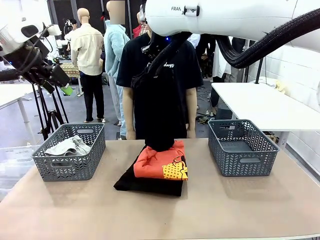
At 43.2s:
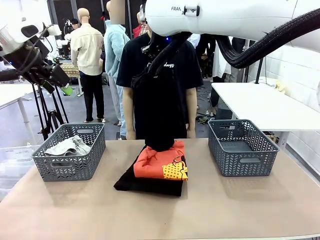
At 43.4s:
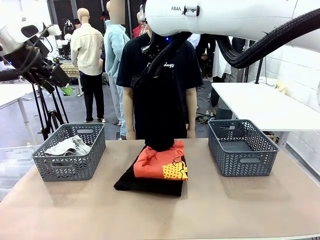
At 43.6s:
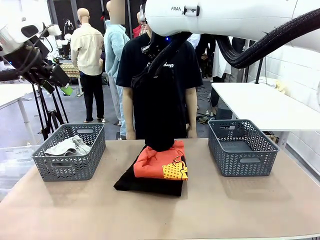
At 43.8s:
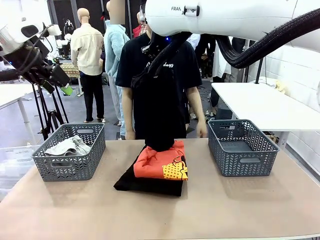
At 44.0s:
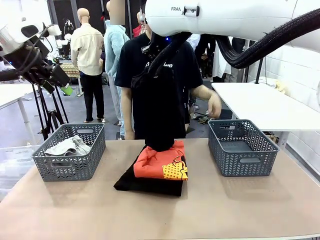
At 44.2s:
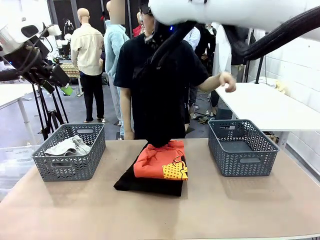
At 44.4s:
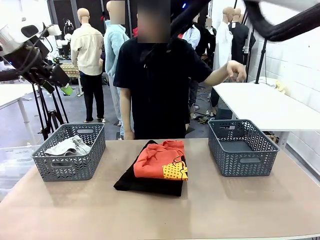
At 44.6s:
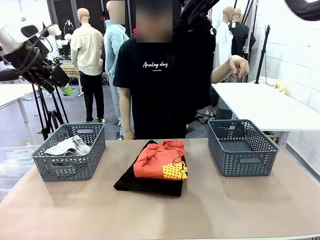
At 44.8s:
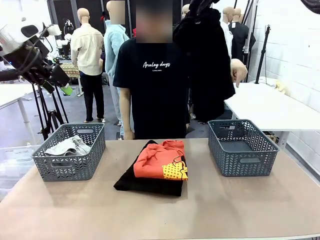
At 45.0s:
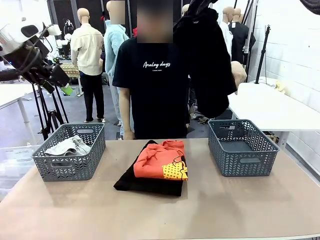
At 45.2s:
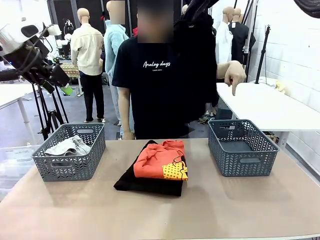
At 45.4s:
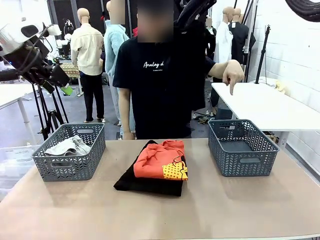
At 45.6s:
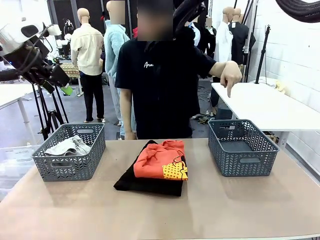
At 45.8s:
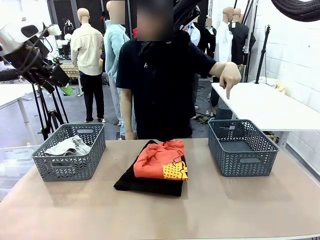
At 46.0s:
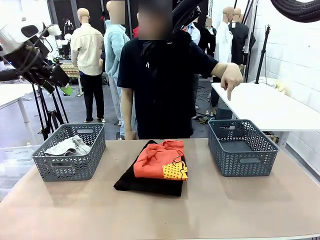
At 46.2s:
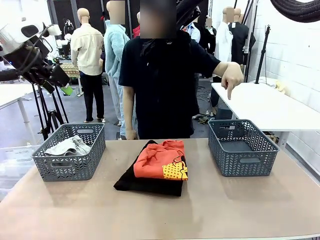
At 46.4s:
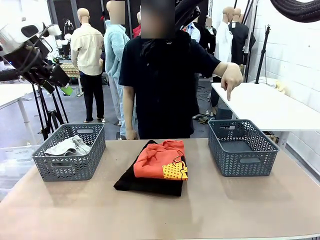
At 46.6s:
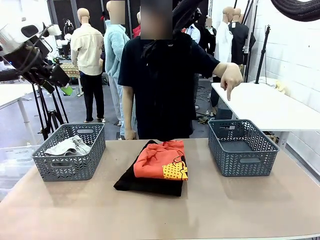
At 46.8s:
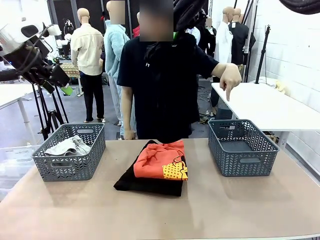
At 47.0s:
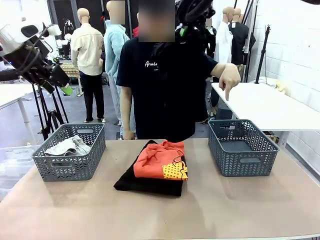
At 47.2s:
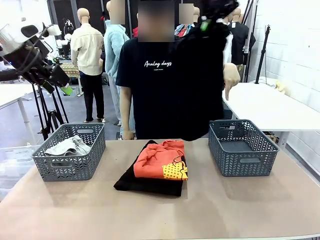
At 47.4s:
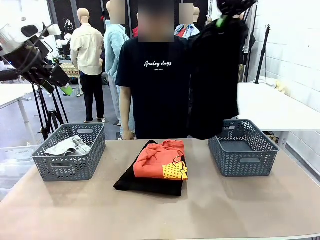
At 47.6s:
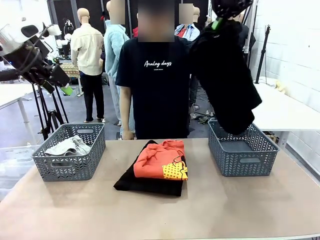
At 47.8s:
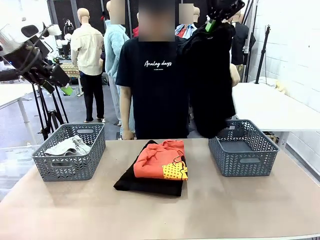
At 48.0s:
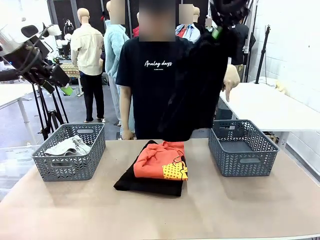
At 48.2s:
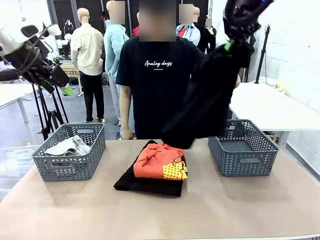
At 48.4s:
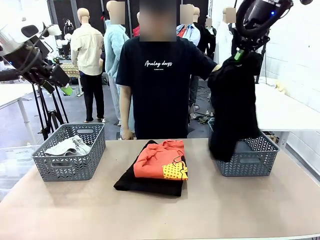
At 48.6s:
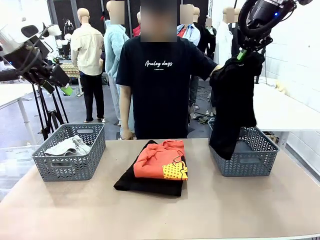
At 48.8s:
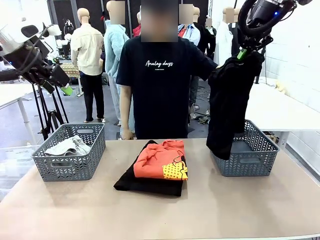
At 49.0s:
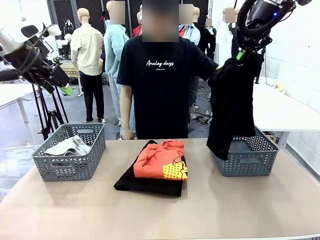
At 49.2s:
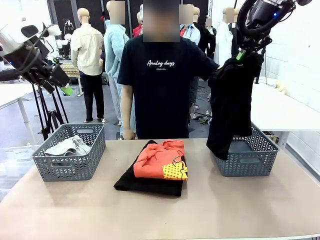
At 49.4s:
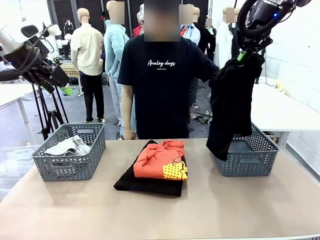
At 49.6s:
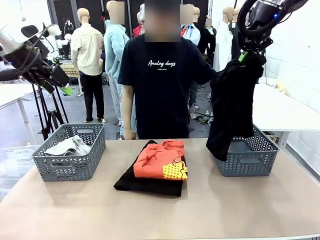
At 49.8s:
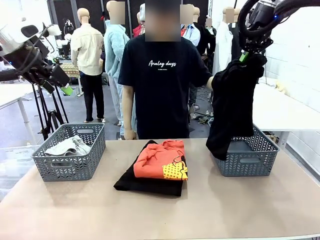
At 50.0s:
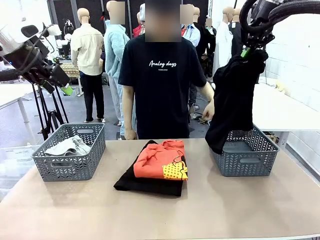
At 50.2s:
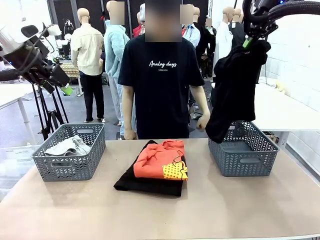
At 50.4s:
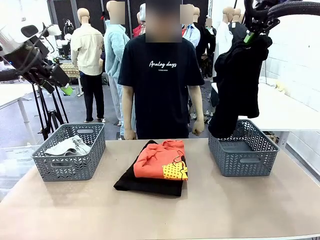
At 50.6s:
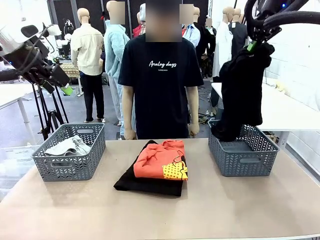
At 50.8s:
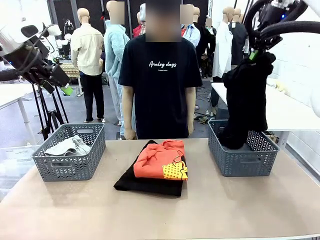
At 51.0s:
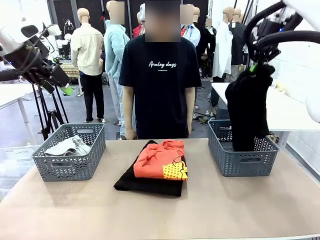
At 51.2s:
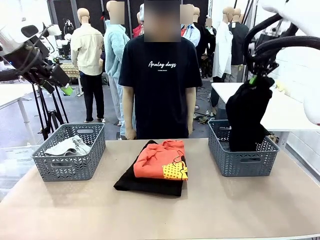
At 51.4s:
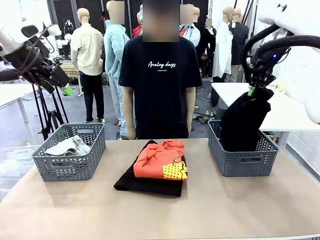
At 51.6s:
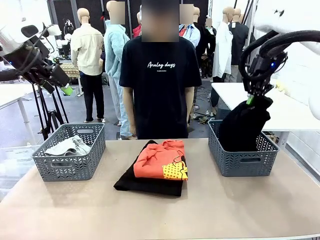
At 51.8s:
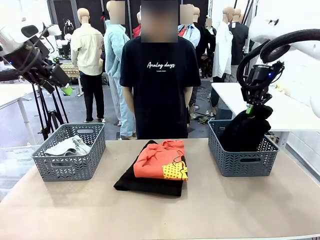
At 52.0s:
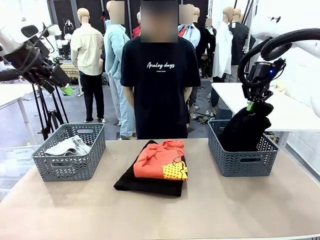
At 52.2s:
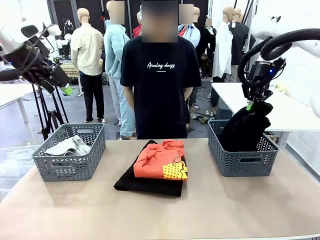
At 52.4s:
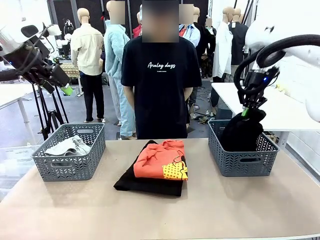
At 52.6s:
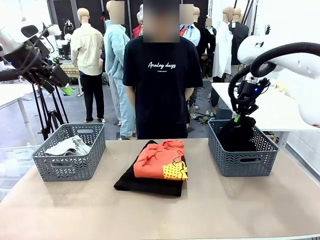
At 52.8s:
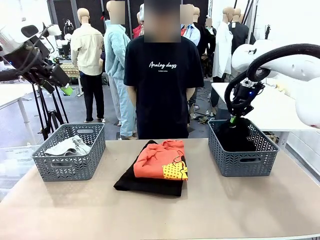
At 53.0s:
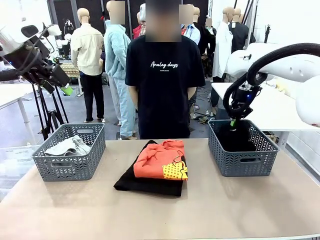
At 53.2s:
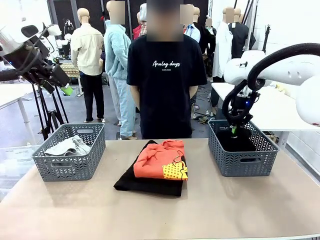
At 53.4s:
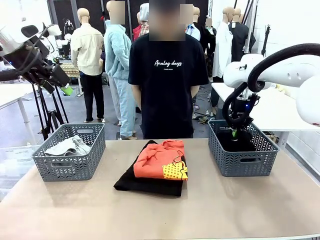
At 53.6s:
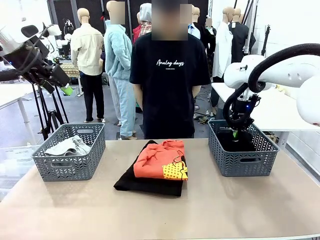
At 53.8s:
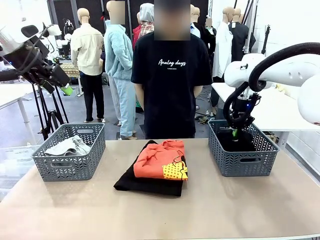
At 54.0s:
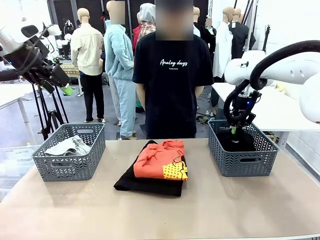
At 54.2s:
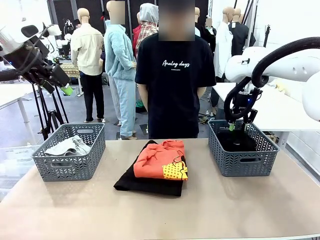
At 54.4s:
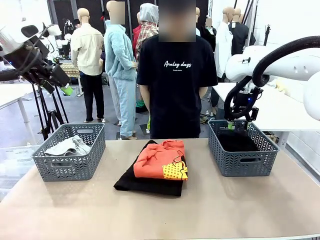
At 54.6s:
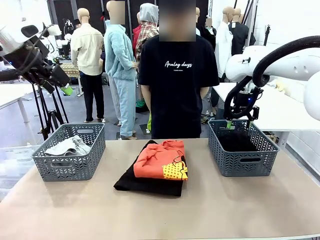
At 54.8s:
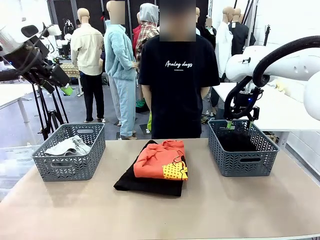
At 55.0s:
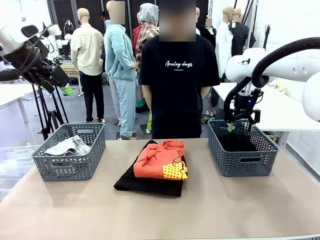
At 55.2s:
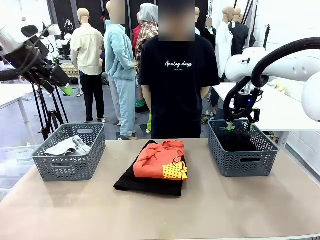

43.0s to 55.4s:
Task: Sort the tops and bottoms.
Robot: Sort the clothes according to human instructions.

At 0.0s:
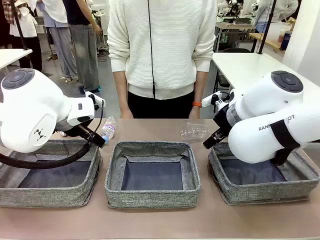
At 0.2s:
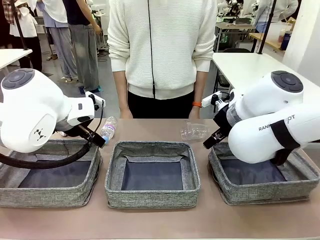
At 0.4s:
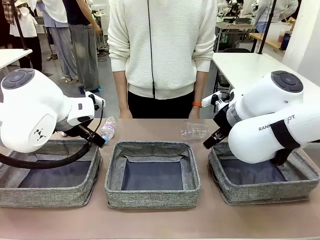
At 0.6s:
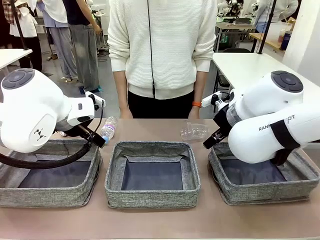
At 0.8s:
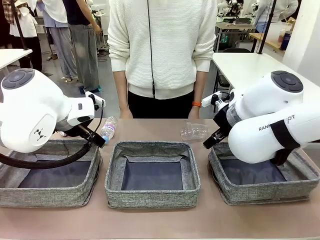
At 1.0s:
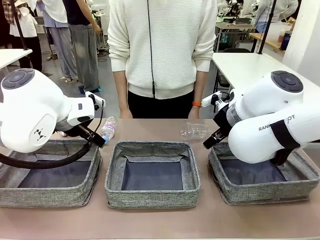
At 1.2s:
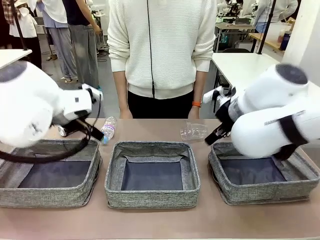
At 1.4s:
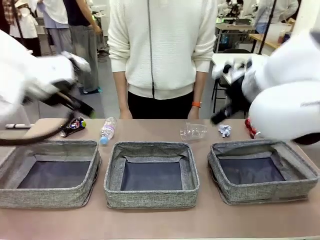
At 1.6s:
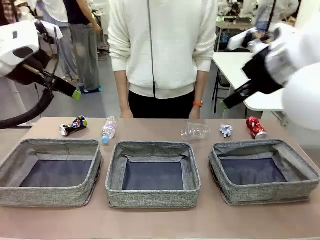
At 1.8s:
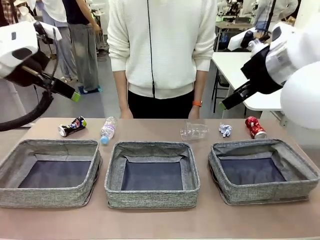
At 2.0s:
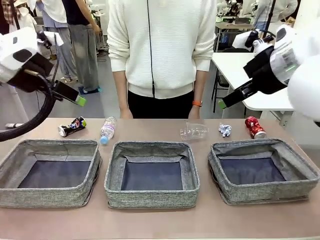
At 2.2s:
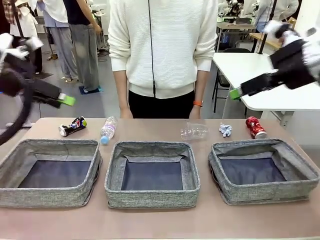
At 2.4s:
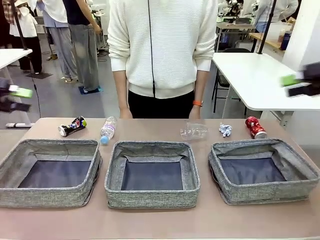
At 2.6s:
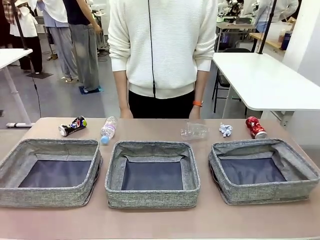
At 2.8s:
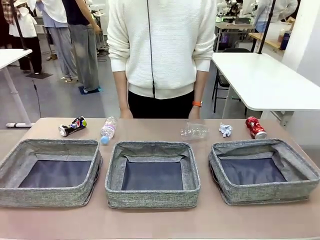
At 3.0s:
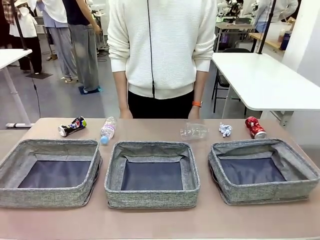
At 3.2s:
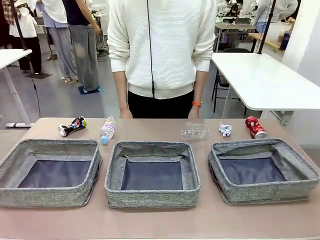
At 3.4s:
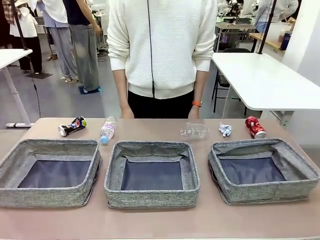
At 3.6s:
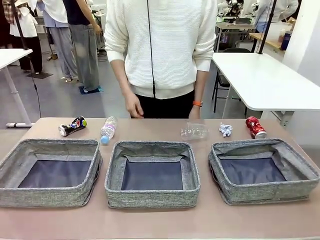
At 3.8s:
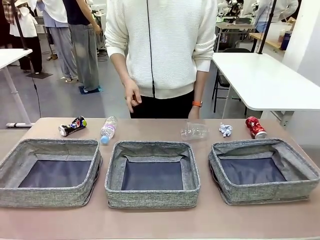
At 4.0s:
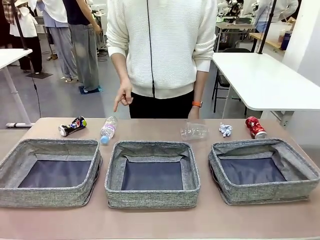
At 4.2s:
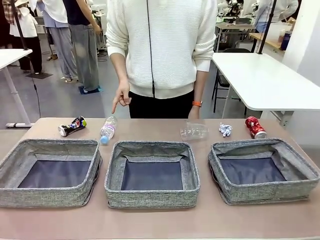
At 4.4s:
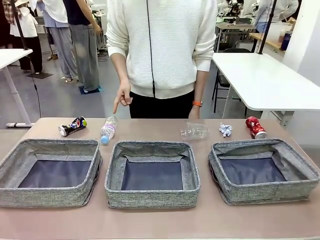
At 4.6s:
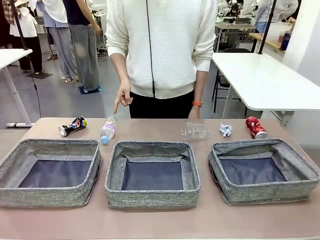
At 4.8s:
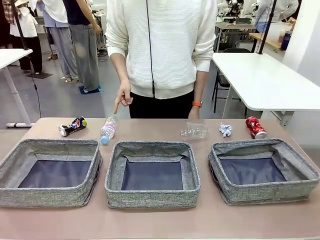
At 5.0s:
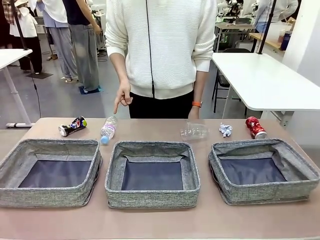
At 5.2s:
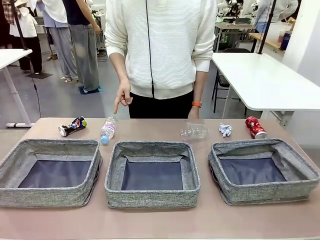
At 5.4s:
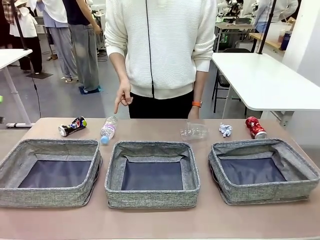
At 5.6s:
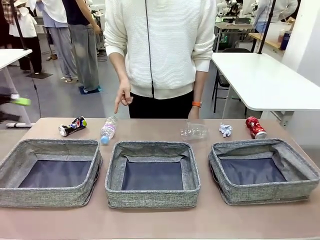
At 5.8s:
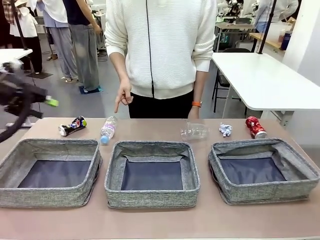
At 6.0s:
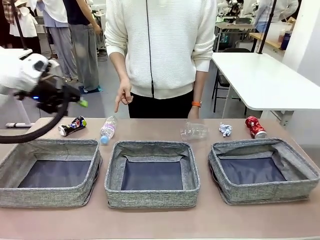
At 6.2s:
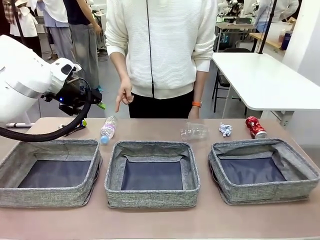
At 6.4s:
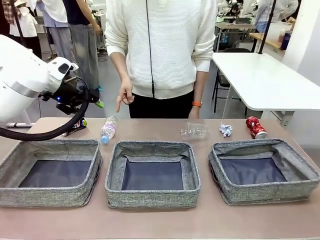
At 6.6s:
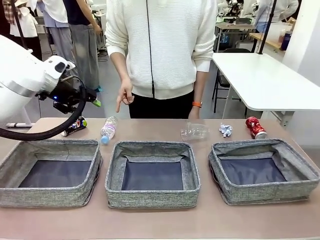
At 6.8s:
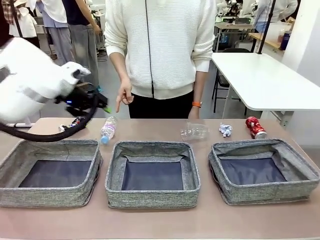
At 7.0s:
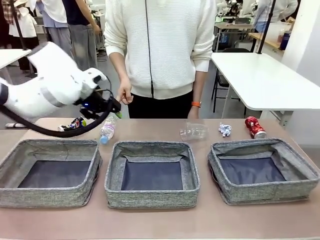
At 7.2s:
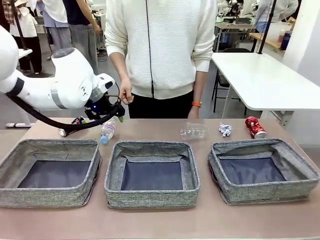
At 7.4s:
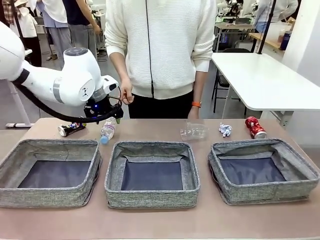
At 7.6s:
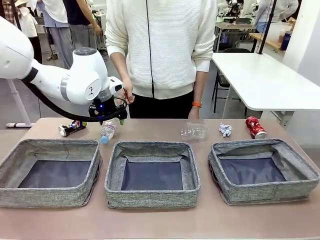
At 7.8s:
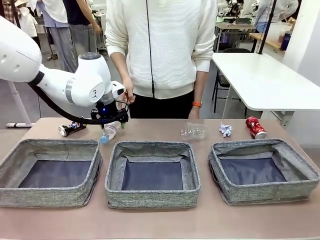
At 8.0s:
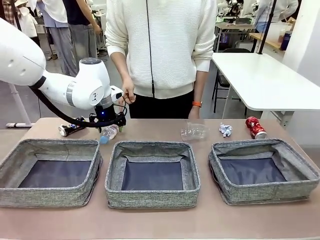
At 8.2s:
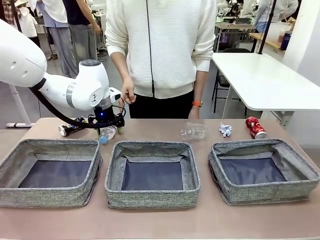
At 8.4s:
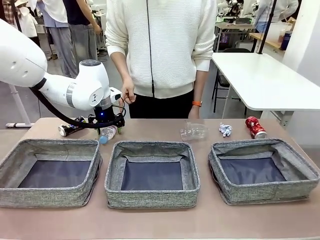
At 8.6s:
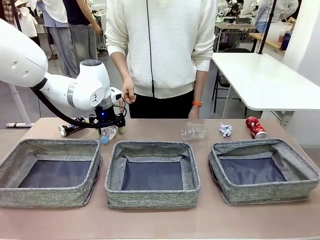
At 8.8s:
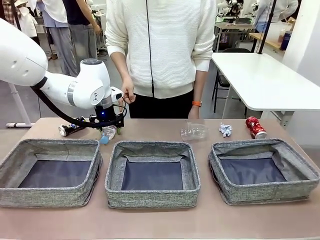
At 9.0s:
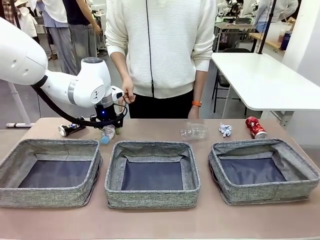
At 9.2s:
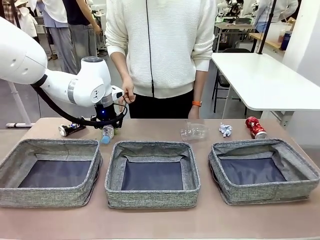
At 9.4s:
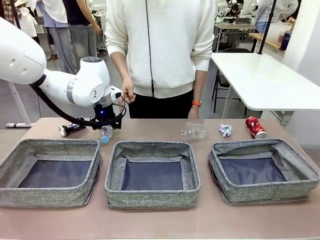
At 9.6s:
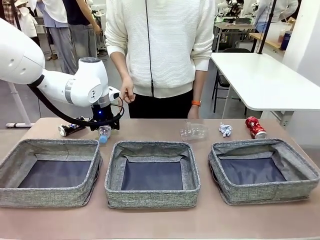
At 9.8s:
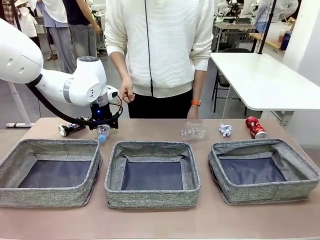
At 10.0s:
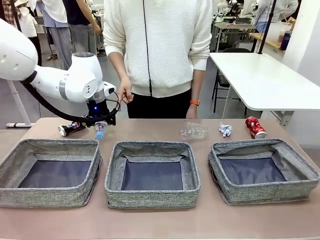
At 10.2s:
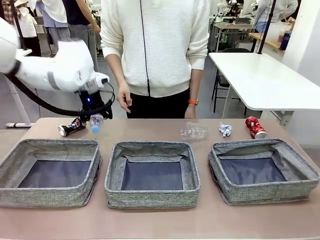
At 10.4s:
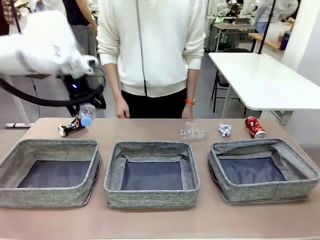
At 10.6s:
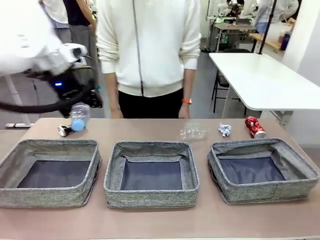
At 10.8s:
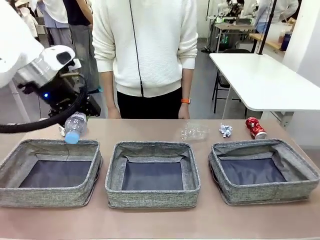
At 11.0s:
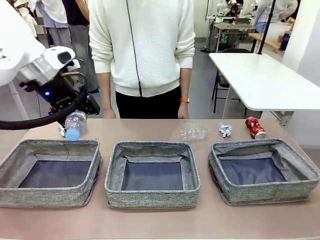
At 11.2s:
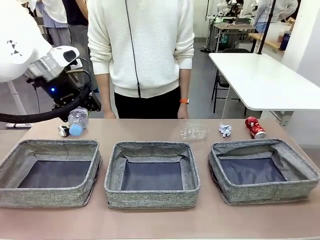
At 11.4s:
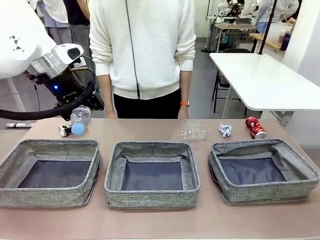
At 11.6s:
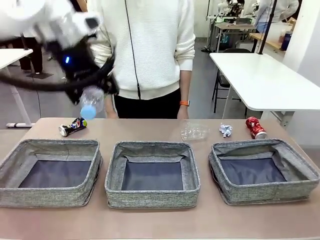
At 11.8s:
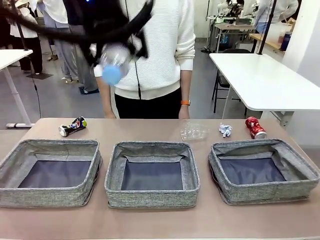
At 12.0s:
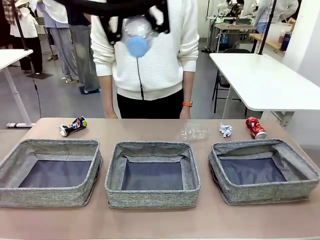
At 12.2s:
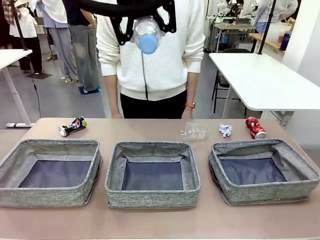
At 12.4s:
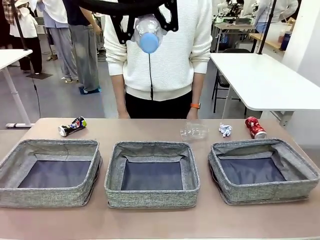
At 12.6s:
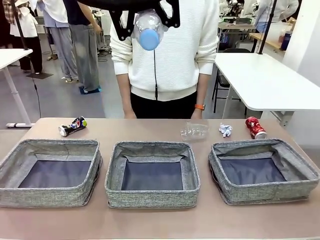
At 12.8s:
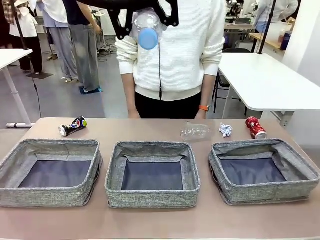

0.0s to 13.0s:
Task: Sort the waste into the appropriate baskets.
Robot: Pick up the waste item pointed out by the person.
Person: Points to one piece of trash on the table.
